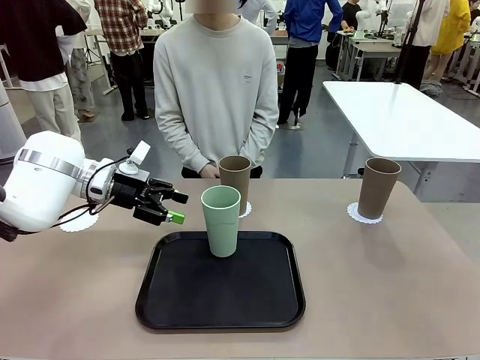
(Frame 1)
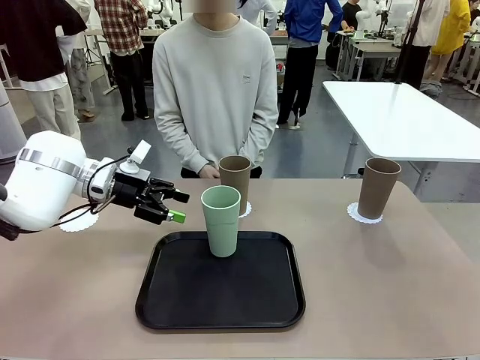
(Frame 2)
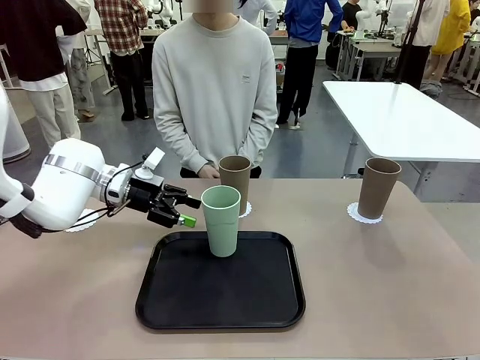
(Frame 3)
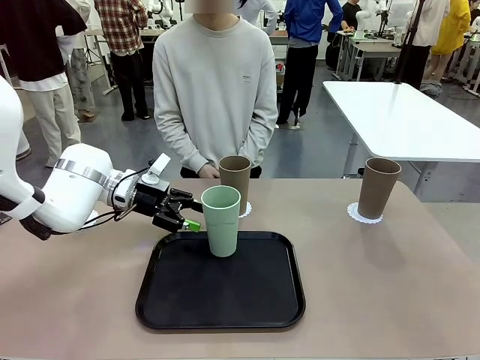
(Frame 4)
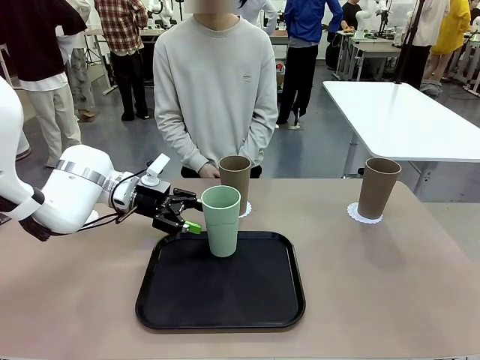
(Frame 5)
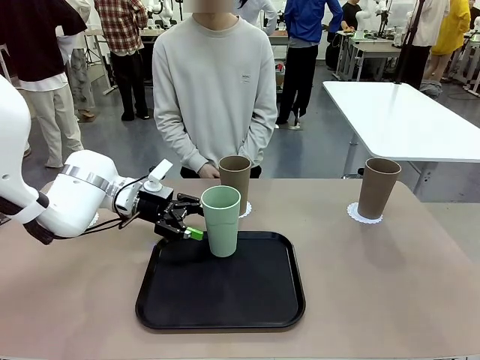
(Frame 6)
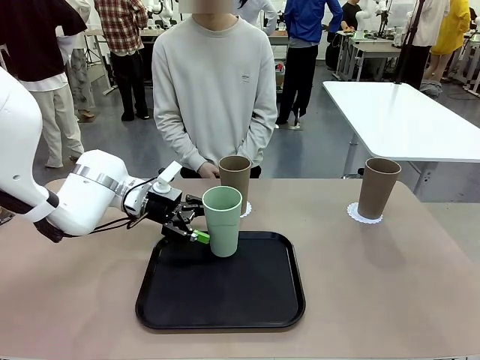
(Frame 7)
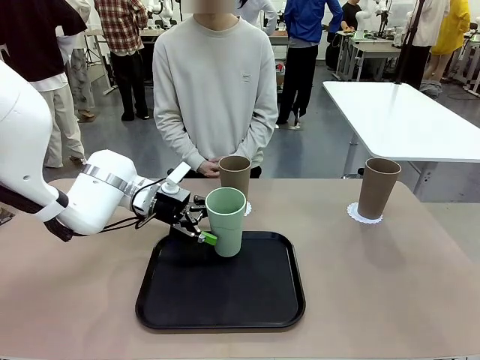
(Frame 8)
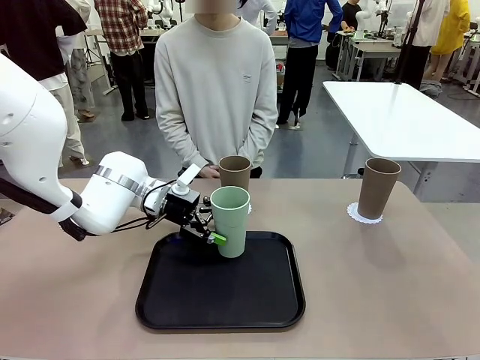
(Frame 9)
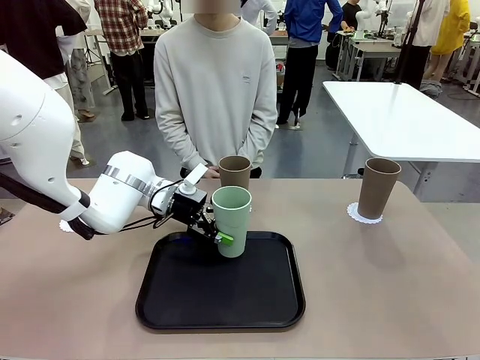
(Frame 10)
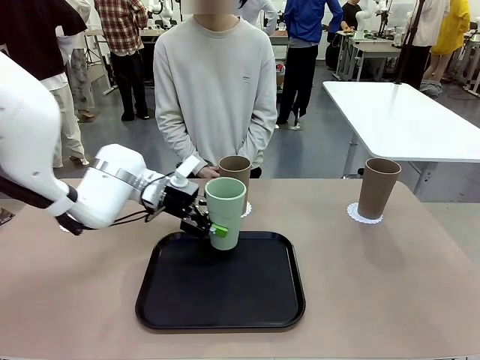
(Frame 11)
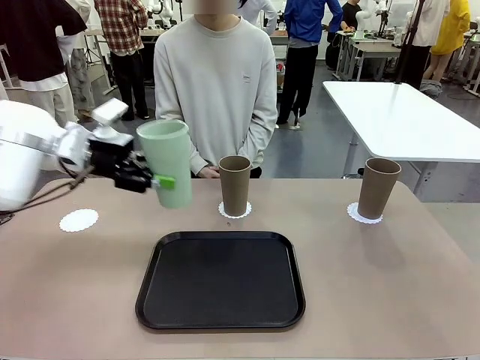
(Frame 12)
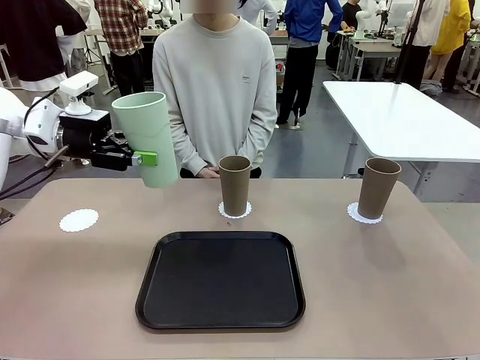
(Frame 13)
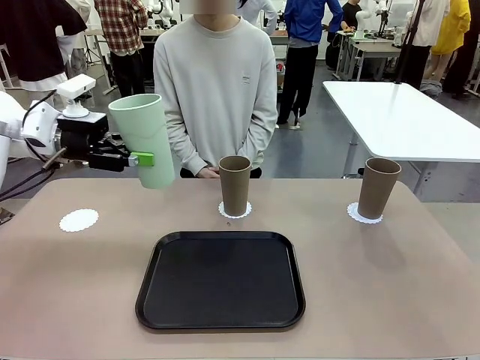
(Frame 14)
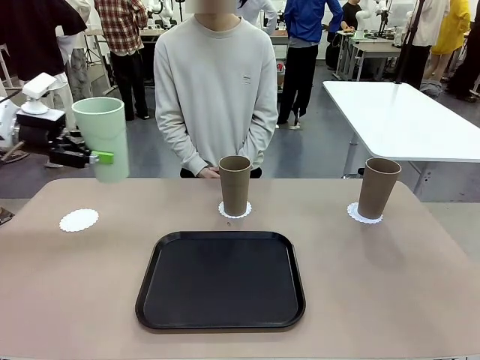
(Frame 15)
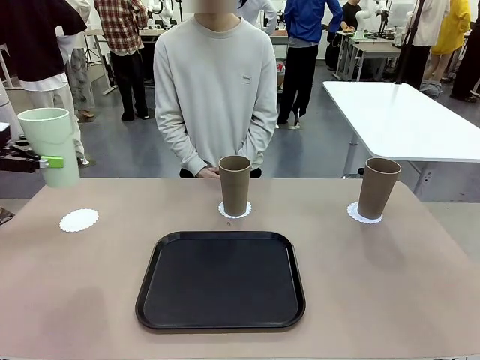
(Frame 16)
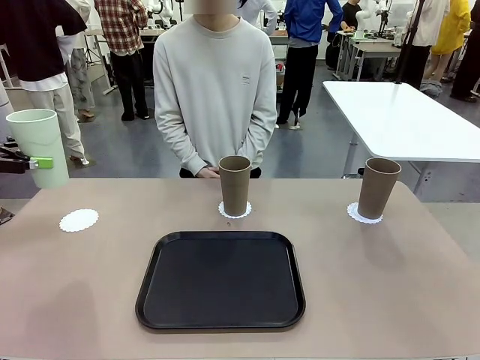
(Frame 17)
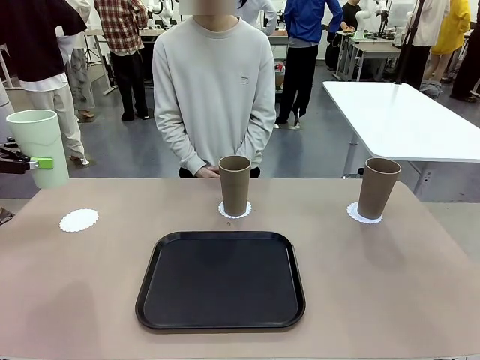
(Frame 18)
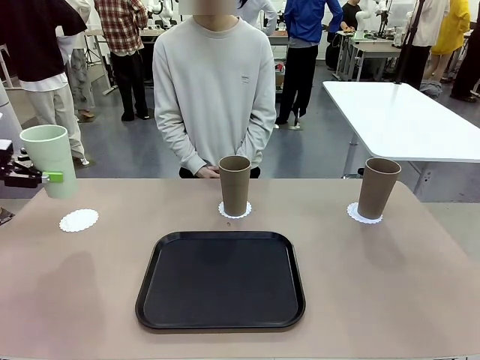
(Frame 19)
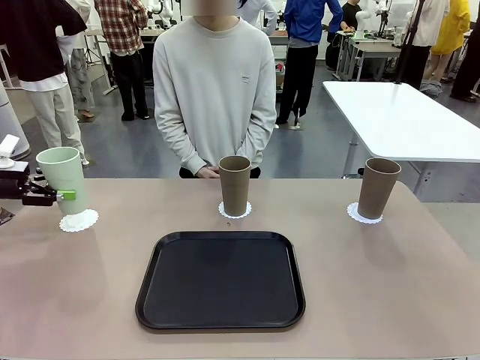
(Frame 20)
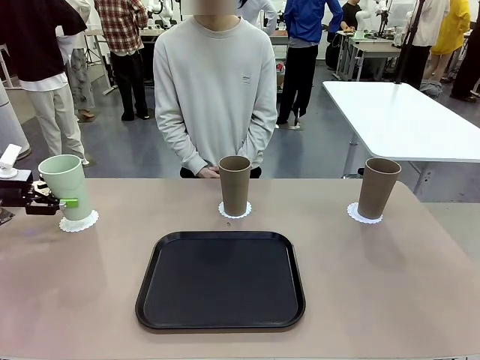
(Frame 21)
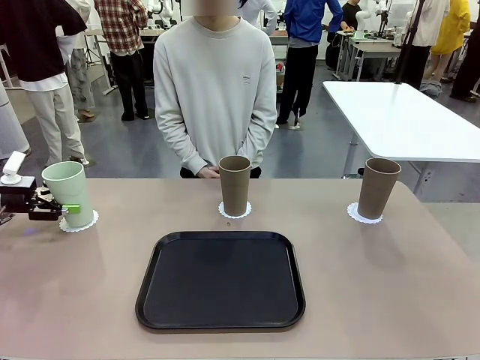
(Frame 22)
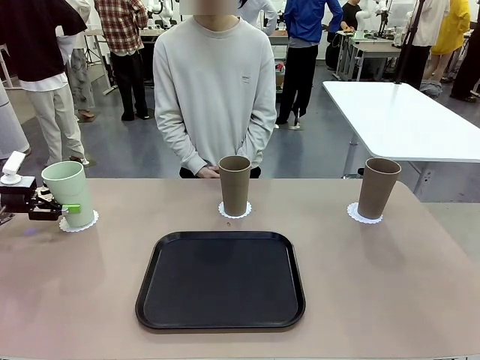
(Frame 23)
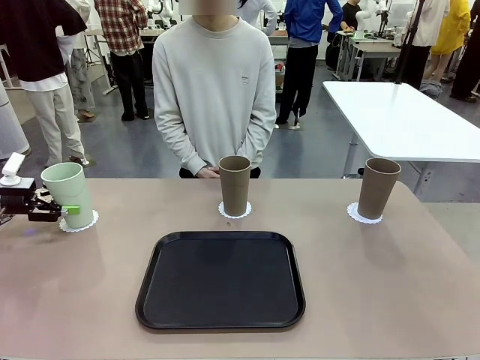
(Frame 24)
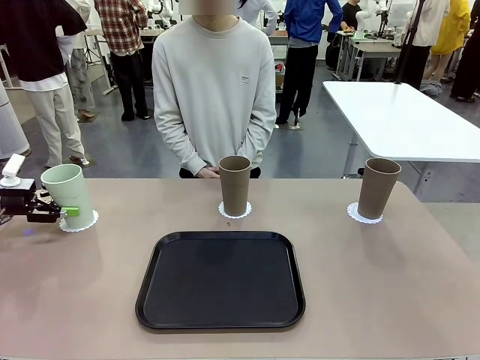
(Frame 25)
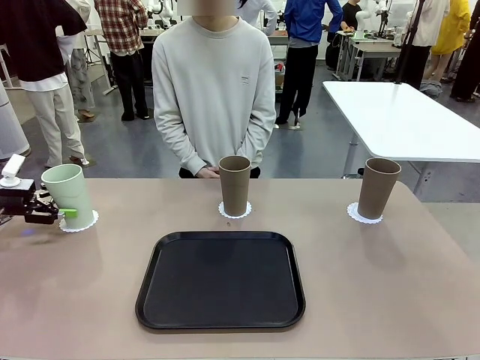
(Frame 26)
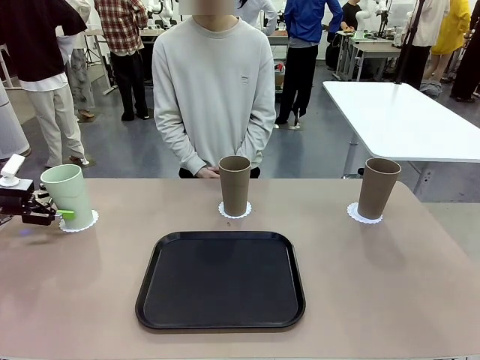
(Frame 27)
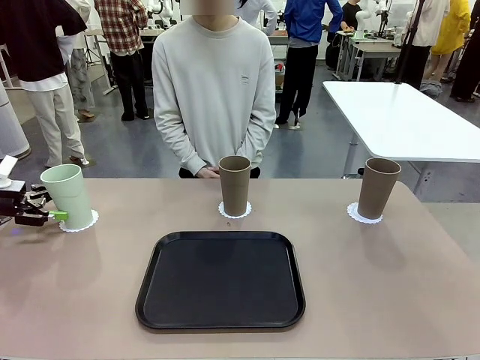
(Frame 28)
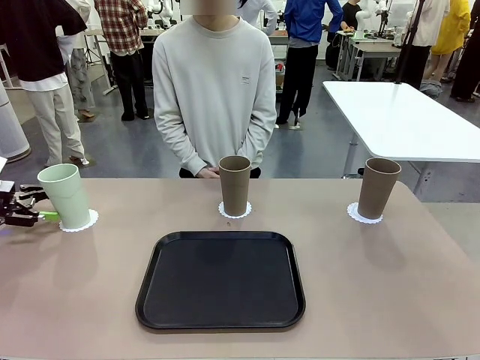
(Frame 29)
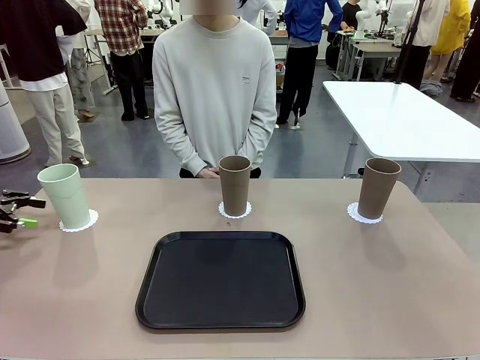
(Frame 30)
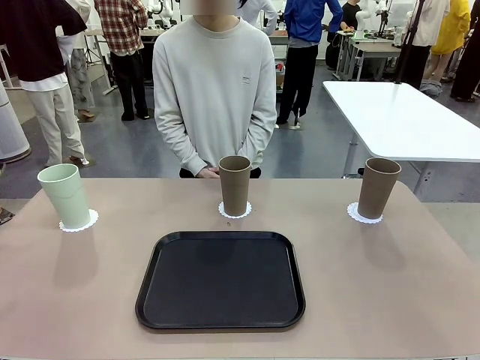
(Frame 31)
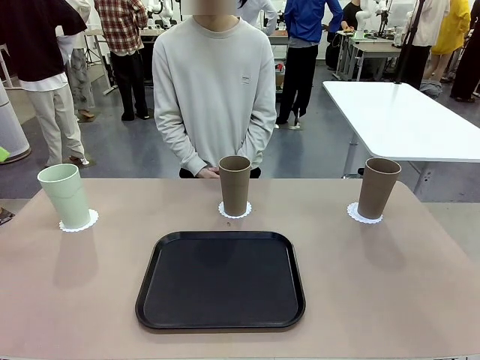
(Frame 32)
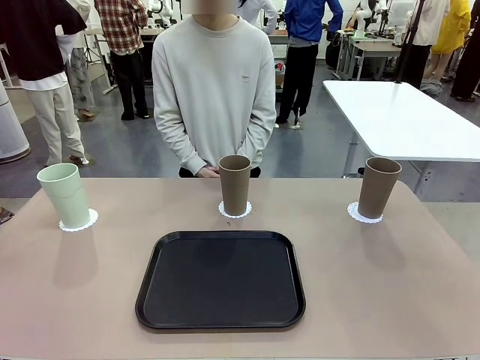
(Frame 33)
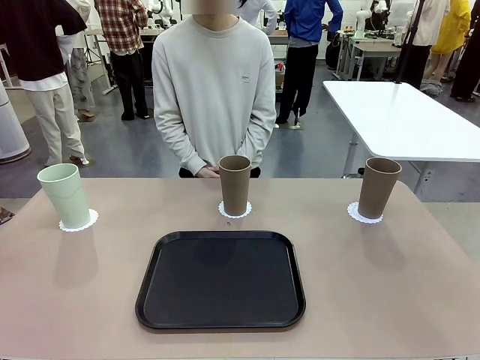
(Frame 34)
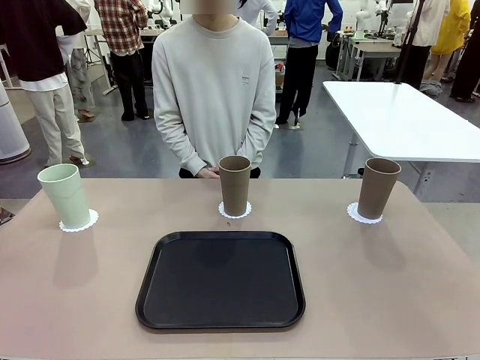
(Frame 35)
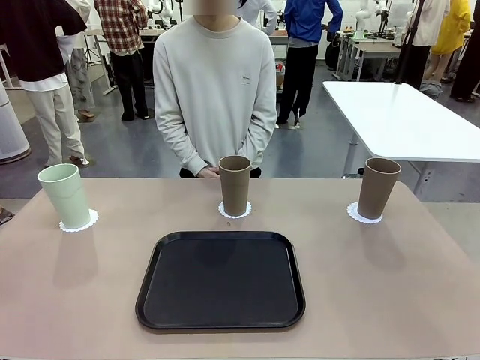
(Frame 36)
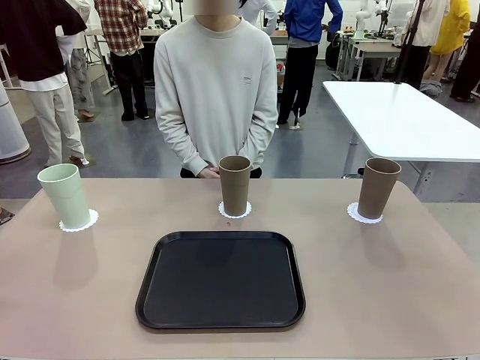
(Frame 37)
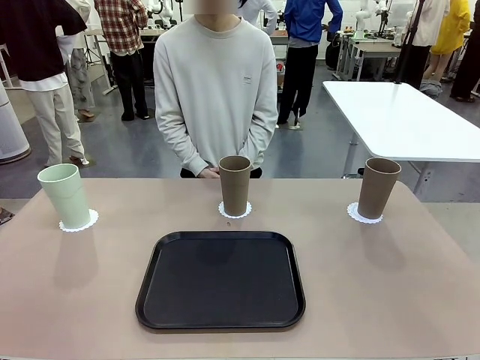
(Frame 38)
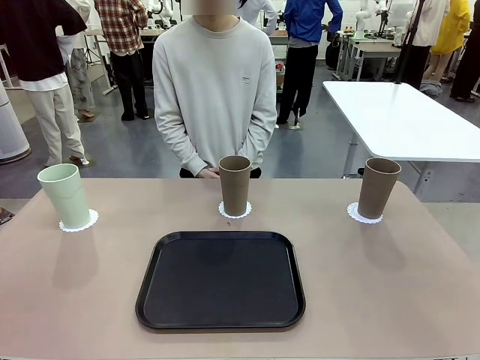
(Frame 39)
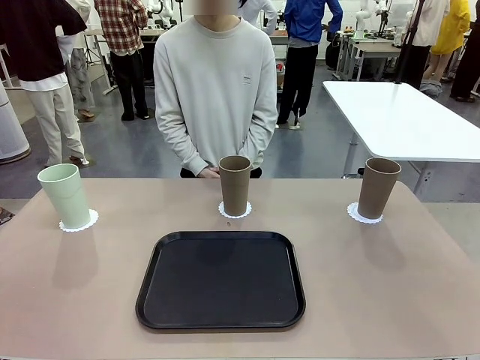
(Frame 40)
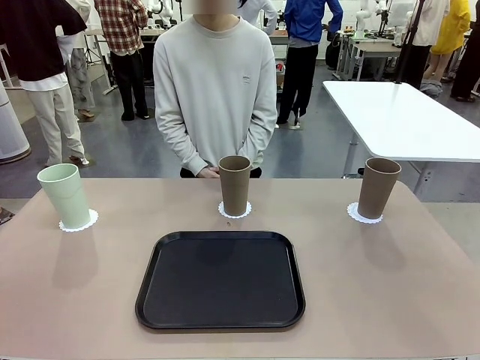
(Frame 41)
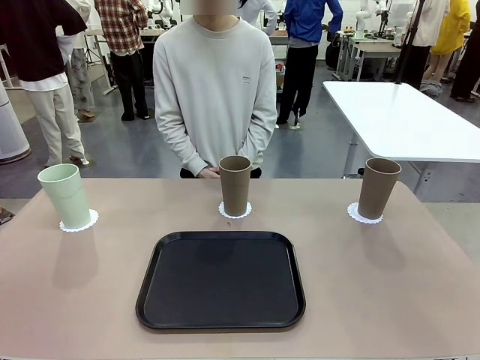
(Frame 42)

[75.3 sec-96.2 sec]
Task: Place coasters on the table and set cups on them.
Robot: Take one Reusable plastic cup from the Flat Tray and place it on a coaster set by the human.

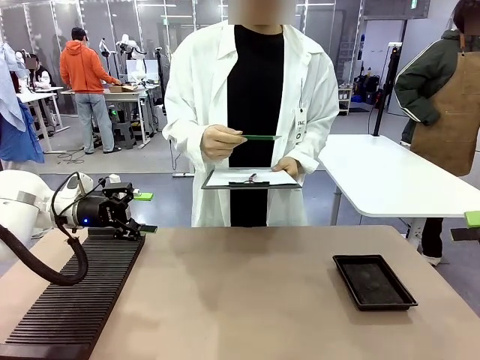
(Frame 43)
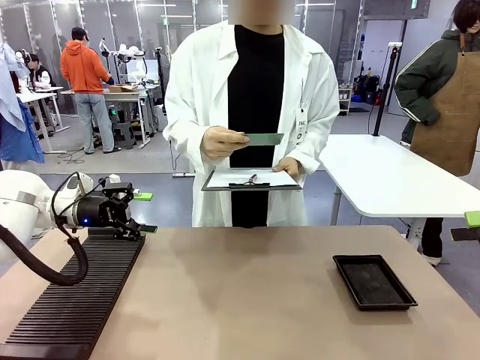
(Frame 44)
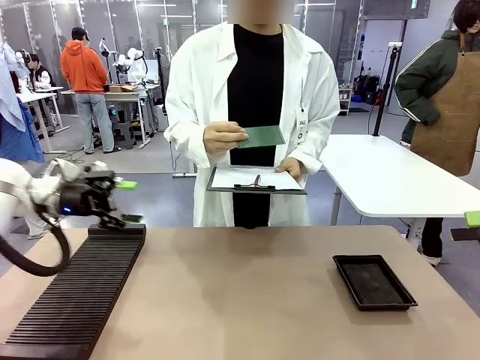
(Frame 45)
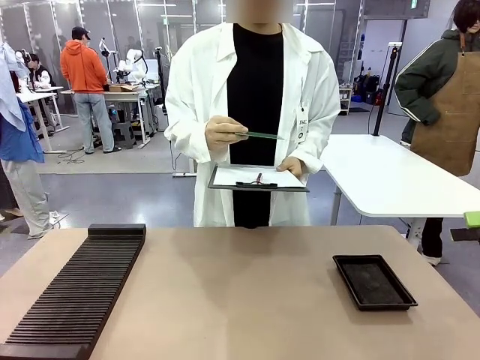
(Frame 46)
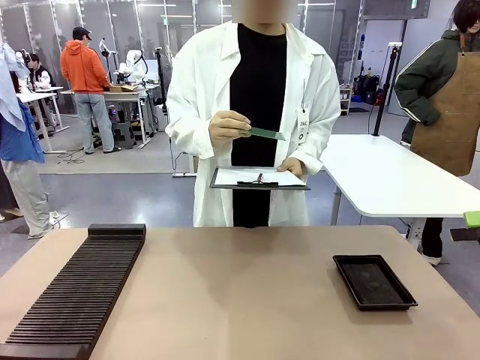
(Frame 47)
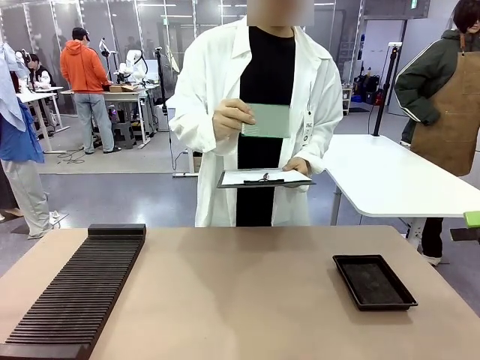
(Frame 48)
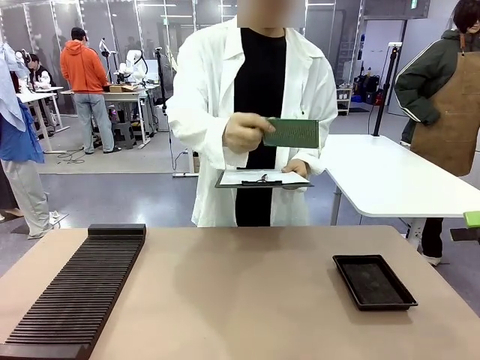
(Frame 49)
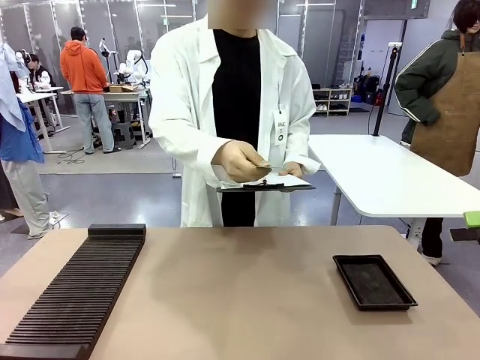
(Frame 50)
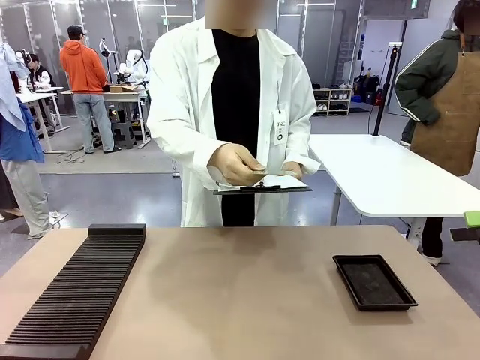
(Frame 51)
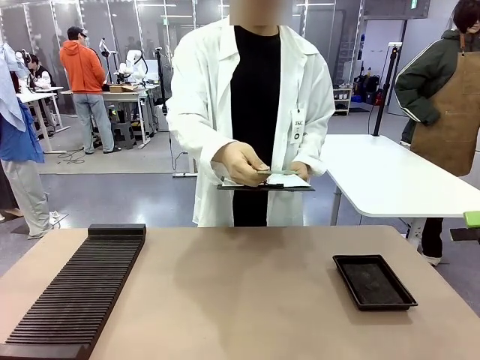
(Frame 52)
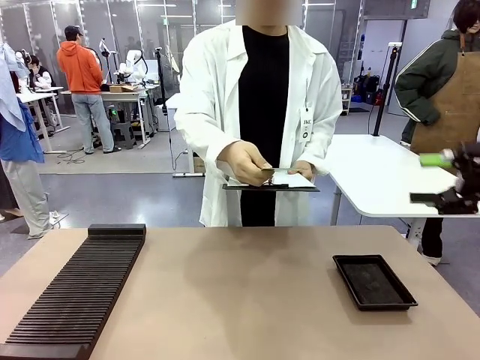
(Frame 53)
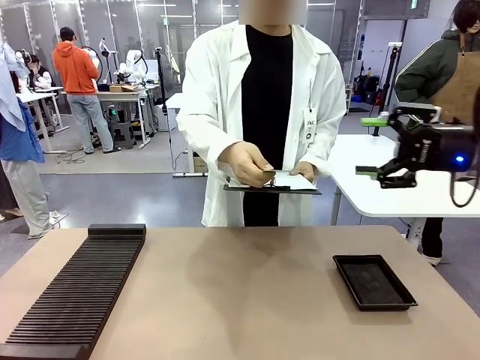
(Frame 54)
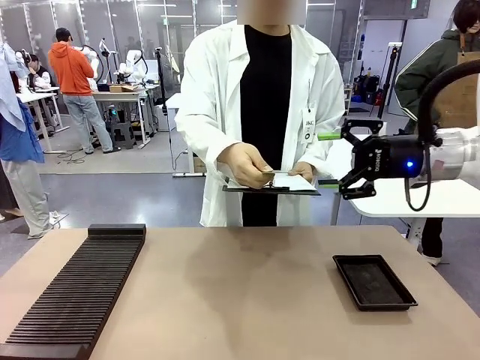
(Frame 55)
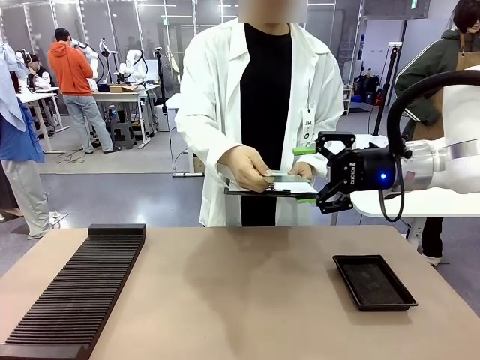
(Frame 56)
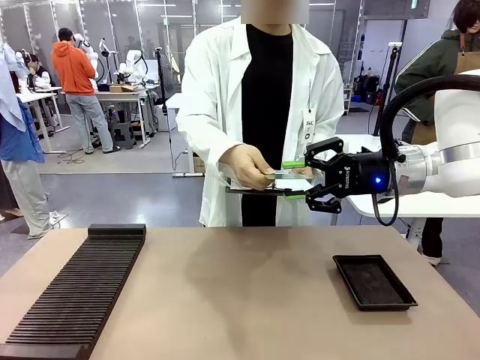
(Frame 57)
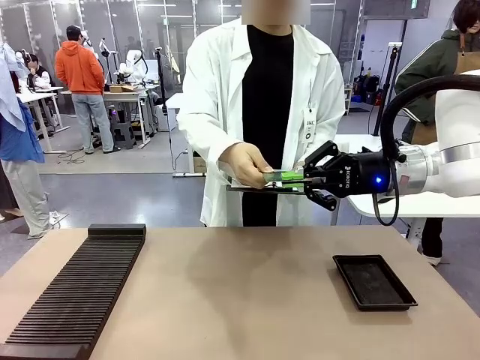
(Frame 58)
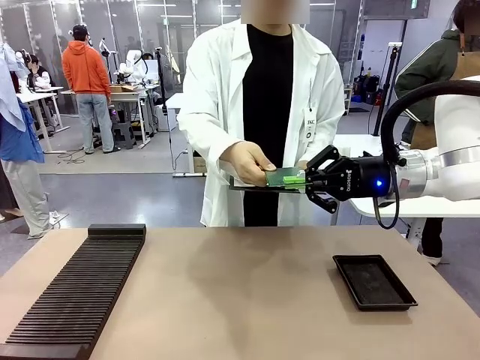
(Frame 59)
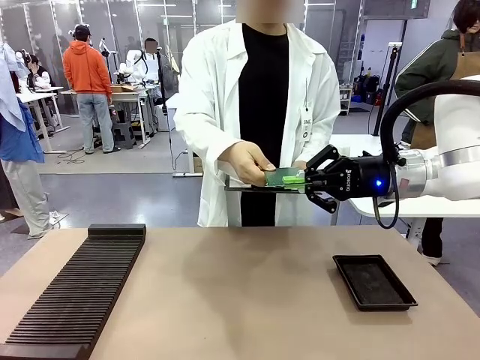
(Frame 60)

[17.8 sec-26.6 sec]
Task: Inspect the PCB.
Robot: Pick up the Blank PCB that the human is holding.
Person: Inspect the PCB placed by the robot, then hold it out in front of the robot. Release the PCB you were holding.
